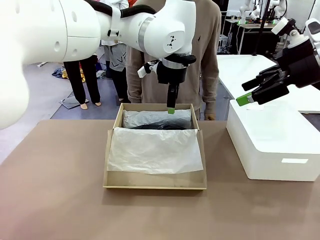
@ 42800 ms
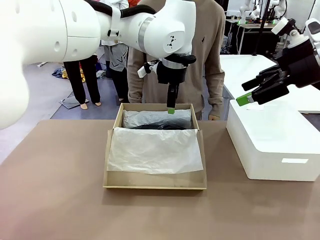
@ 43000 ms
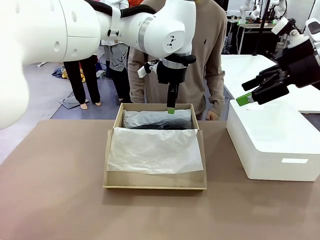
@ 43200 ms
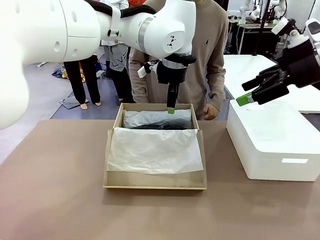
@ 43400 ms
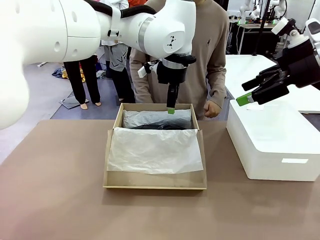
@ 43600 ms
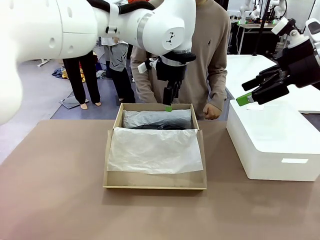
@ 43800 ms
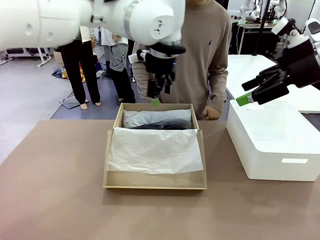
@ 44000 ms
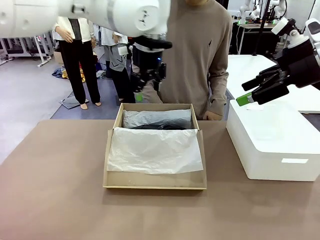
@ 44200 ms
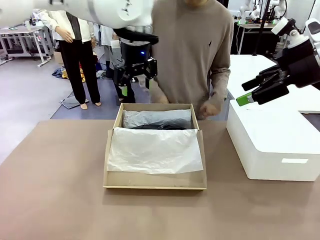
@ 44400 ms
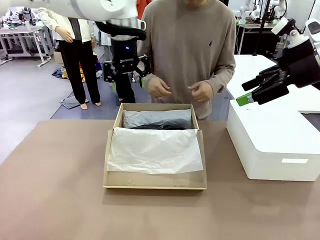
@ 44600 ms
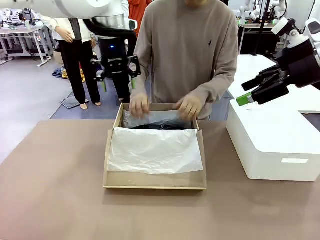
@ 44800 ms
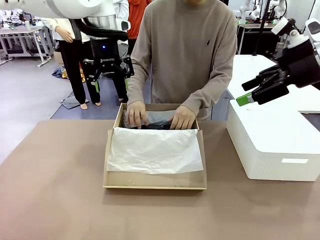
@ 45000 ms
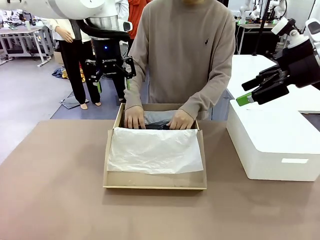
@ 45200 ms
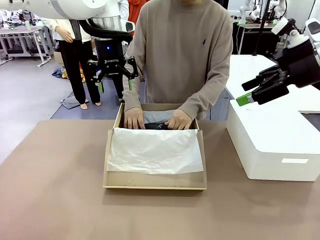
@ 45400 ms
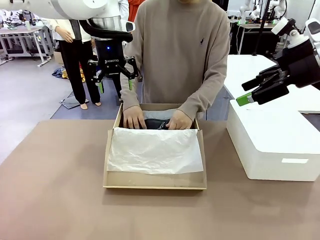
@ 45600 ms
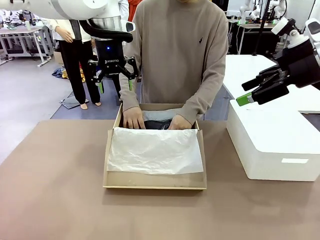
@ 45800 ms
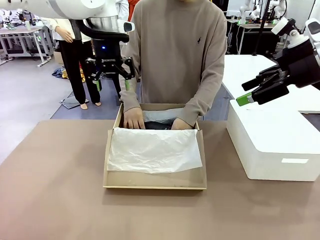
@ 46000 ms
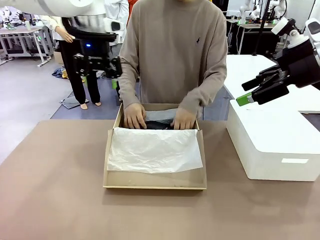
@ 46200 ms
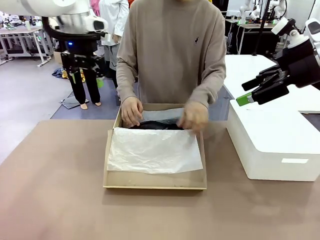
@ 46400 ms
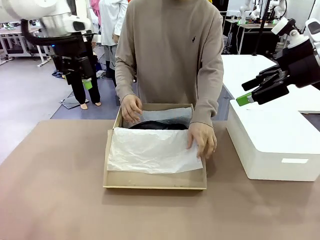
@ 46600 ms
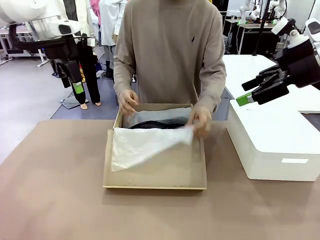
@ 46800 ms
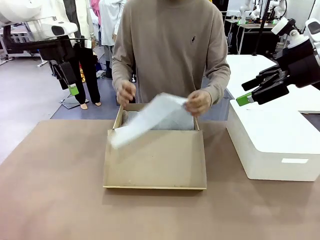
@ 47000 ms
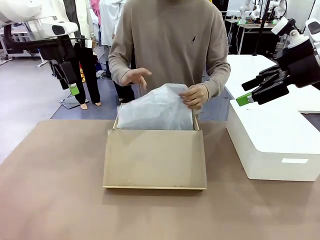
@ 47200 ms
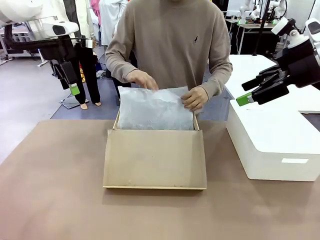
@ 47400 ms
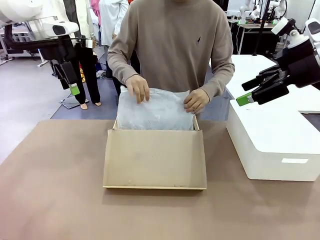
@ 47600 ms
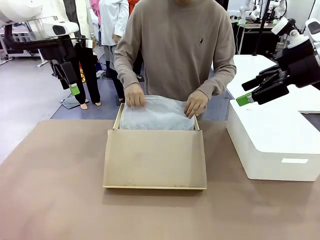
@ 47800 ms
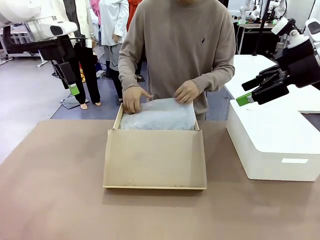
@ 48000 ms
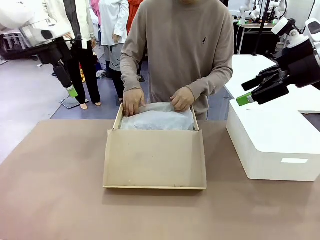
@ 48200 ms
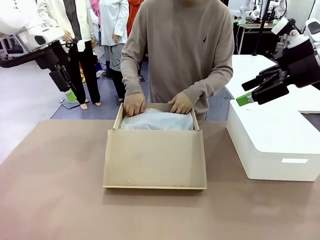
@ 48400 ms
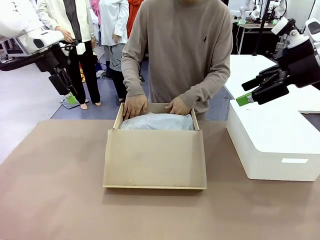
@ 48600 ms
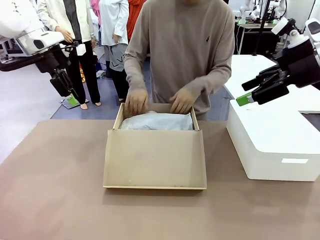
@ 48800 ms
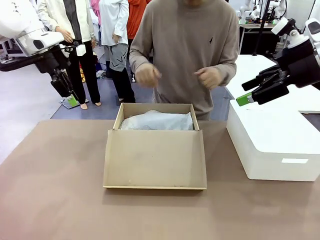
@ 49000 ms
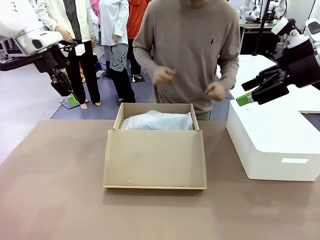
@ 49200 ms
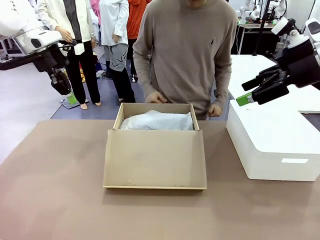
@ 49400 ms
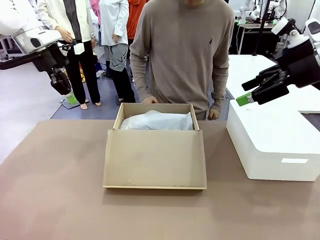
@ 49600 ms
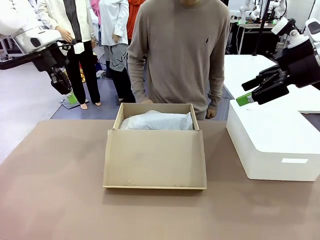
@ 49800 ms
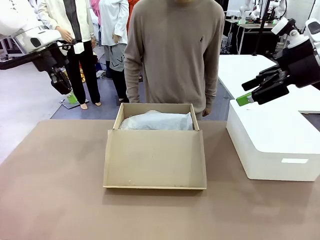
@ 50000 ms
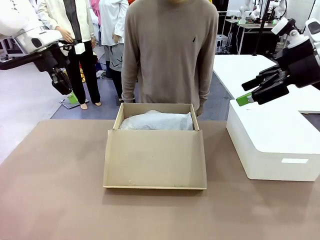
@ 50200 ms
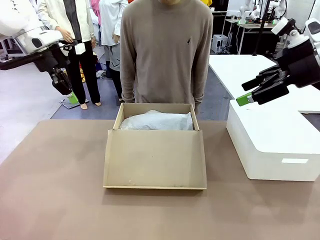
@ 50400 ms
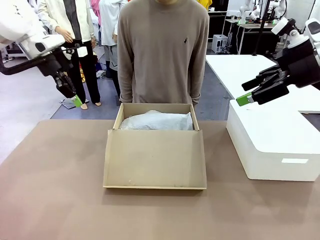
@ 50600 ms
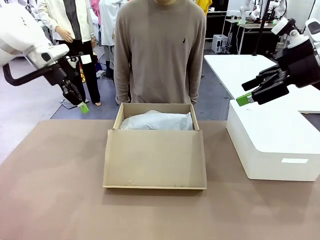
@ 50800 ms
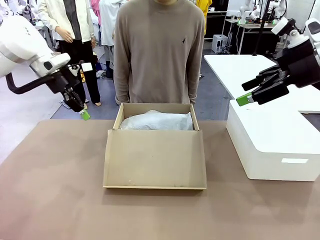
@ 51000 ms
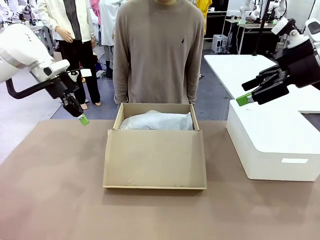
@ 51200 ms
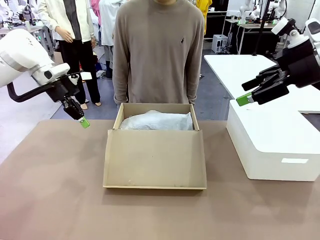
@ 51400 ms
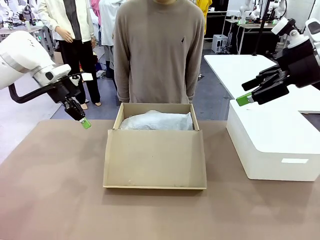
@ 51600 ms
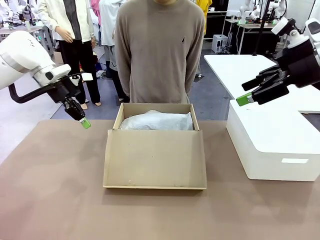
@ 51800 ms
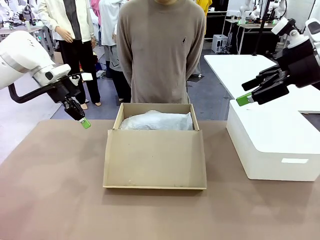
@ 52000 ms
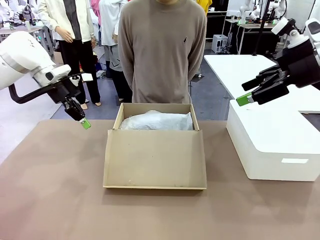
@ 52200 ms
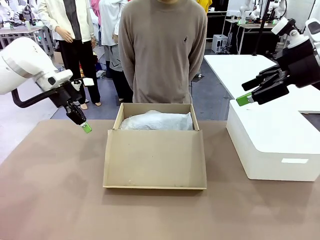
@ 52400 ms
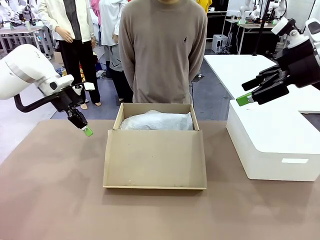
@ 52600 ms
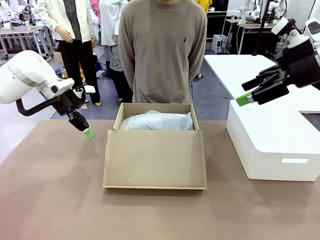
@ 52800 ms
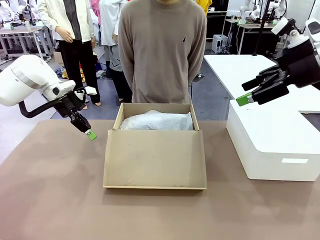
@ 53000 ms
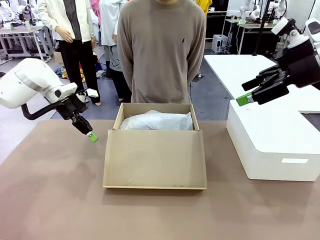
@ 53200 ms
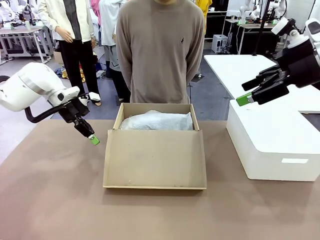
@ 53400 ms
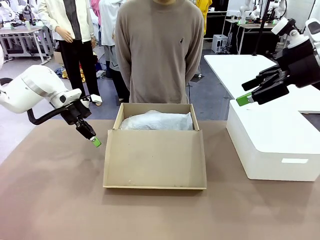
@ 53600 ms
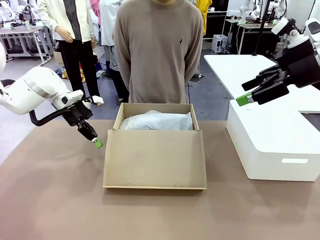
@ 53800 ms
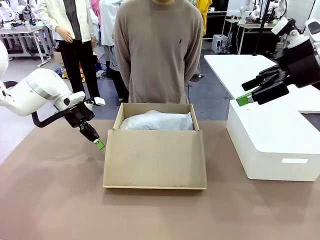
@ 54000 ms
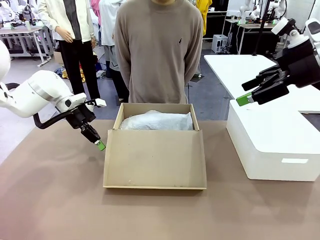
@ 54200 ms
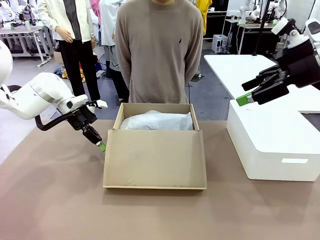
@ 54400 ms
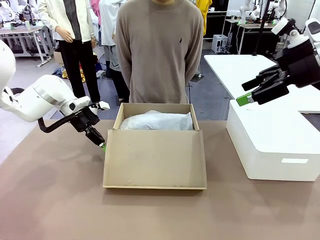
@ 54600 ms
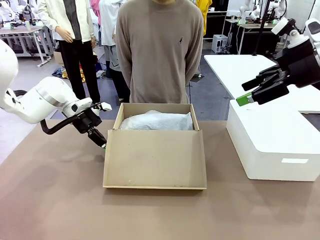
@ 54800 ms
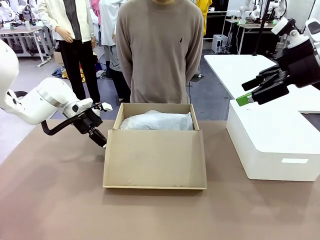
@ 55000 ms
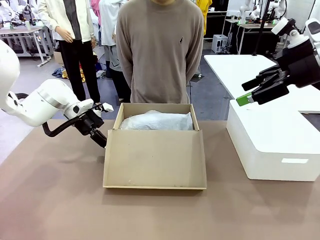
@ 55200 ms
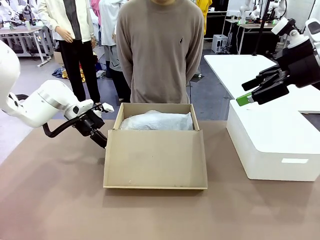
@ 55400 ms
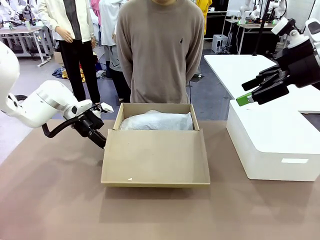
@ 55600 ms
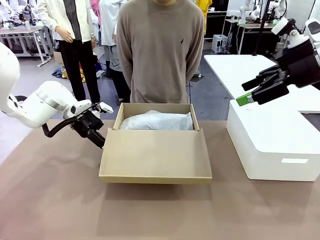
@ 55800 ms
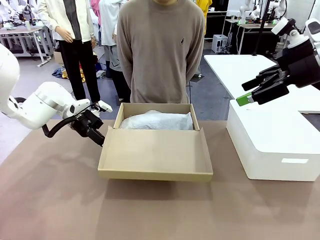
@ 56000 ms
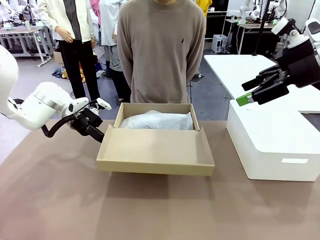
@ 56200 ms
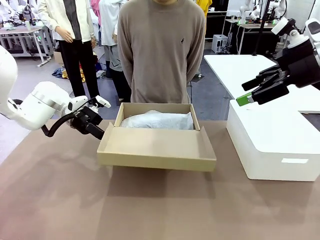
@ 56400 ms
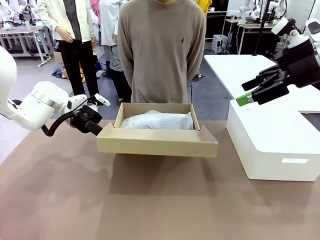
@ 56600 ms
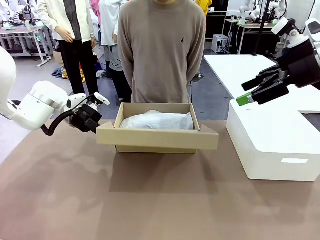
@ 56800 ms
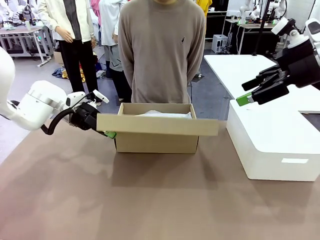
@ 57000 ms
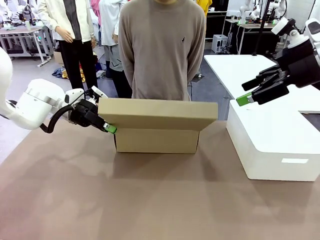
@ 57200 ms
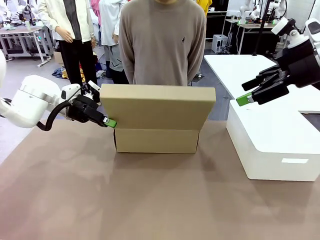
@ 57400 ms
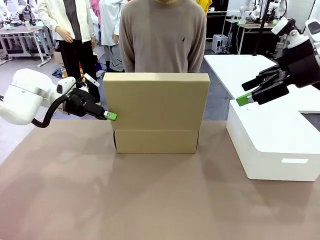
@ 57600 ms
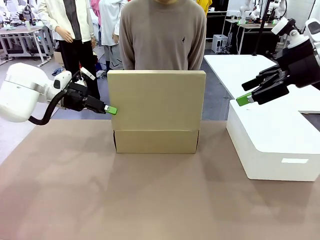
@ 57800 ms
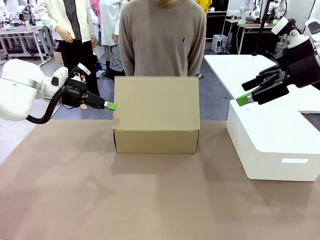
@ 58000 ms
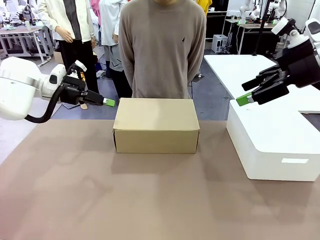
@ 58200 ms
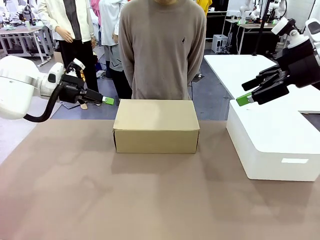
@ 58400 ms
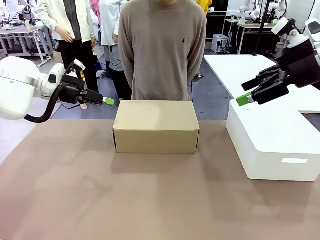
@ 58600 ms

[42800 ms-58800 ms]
Task: Pack the shoes into the box.
Robot: Close the Shoes Box.
